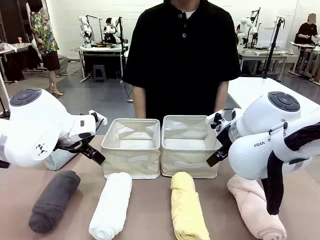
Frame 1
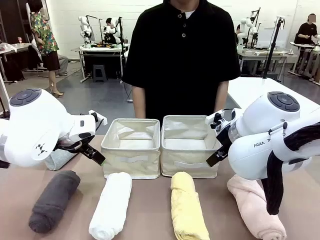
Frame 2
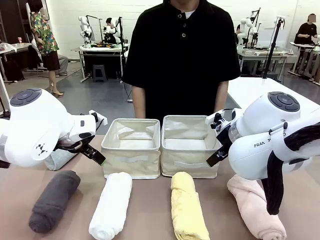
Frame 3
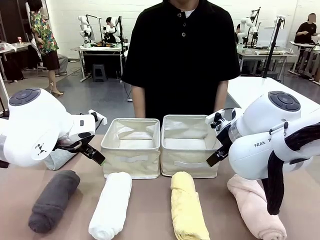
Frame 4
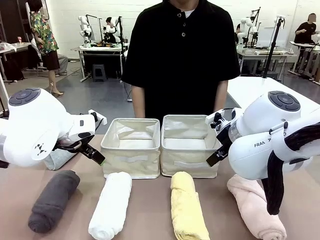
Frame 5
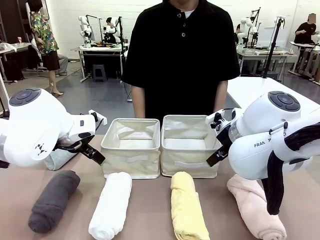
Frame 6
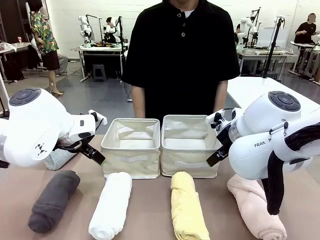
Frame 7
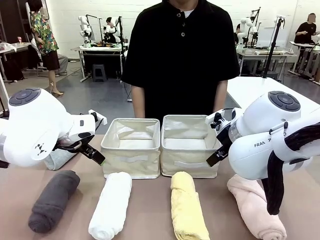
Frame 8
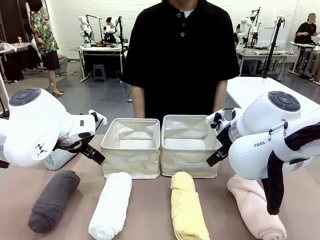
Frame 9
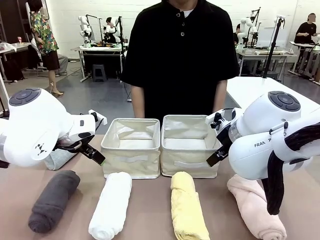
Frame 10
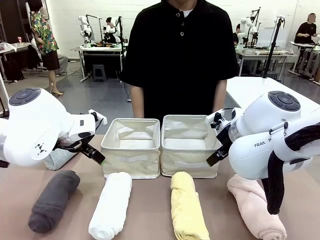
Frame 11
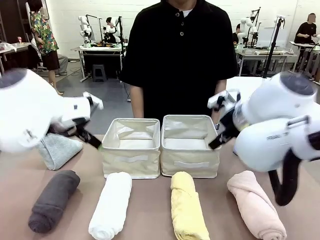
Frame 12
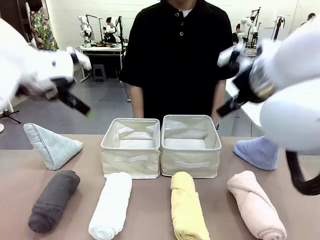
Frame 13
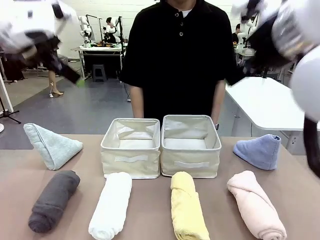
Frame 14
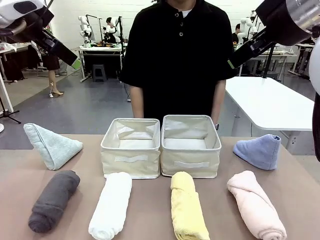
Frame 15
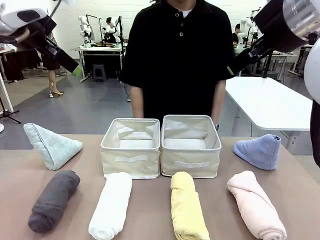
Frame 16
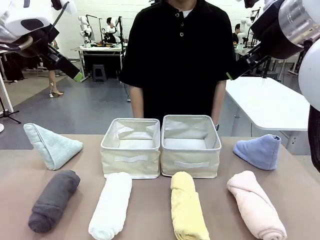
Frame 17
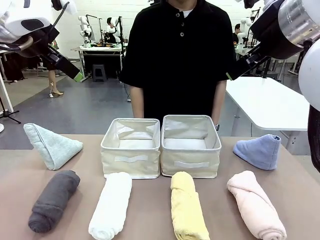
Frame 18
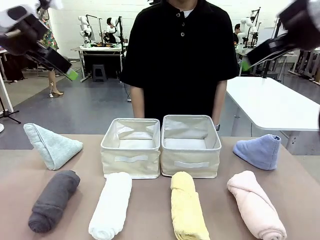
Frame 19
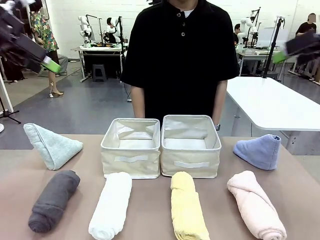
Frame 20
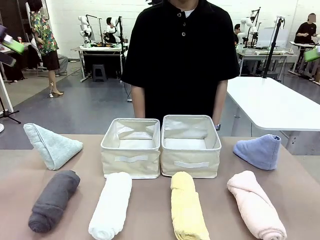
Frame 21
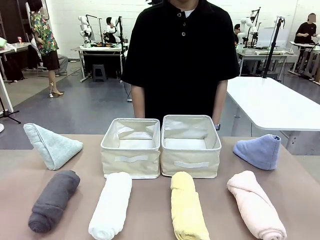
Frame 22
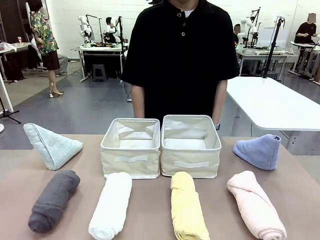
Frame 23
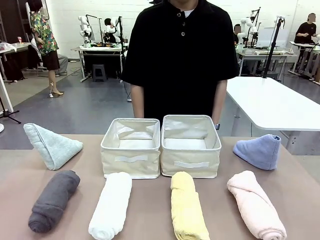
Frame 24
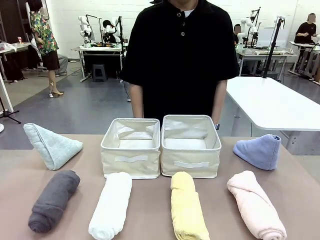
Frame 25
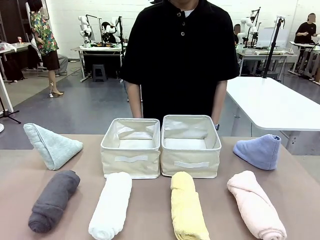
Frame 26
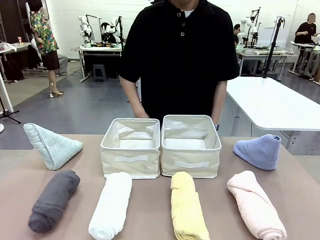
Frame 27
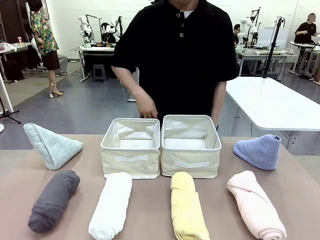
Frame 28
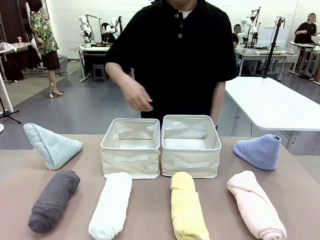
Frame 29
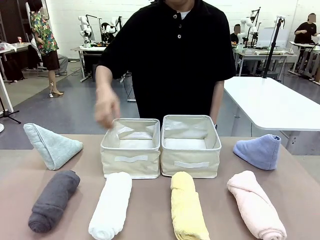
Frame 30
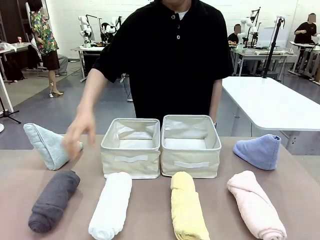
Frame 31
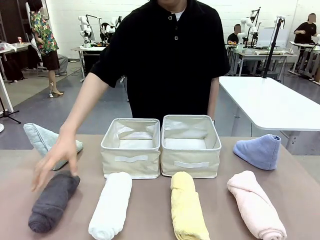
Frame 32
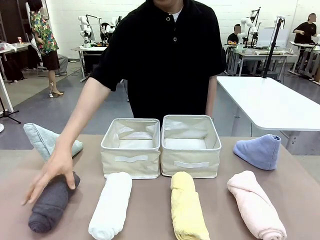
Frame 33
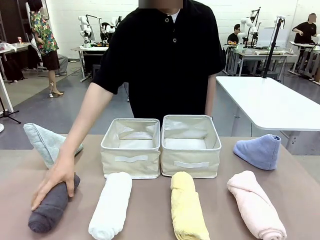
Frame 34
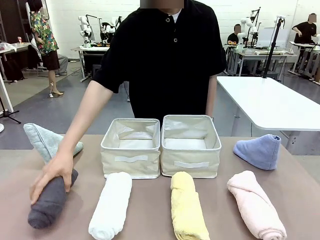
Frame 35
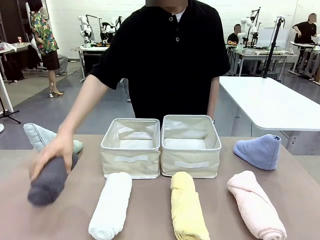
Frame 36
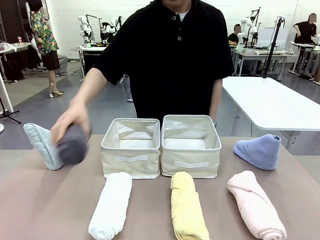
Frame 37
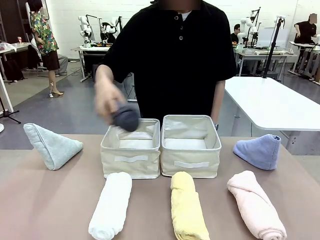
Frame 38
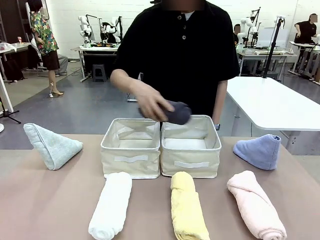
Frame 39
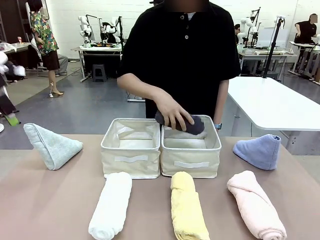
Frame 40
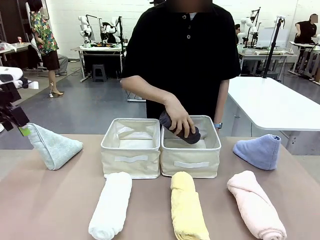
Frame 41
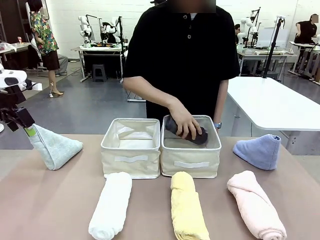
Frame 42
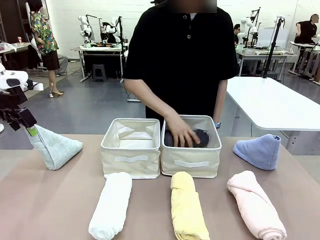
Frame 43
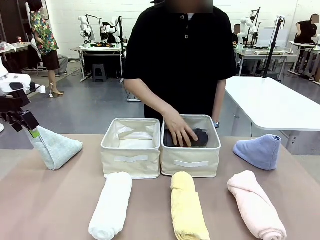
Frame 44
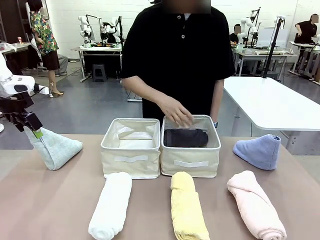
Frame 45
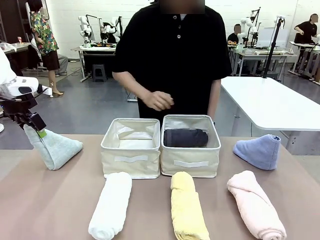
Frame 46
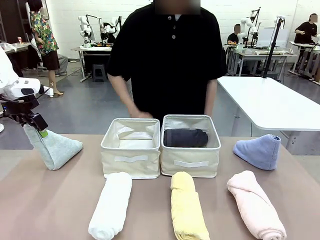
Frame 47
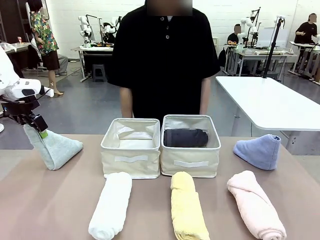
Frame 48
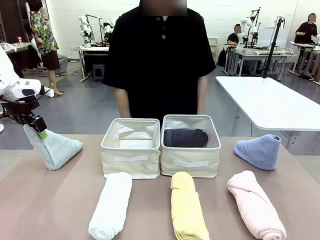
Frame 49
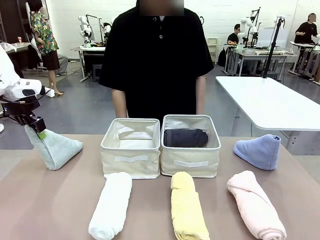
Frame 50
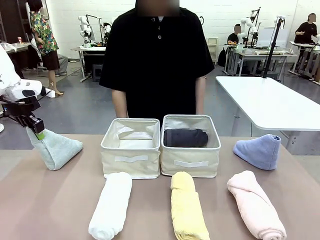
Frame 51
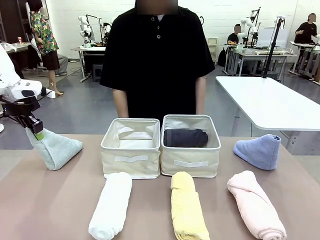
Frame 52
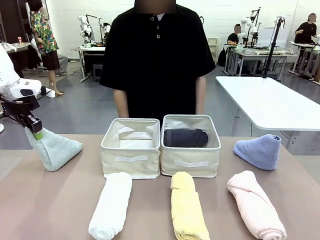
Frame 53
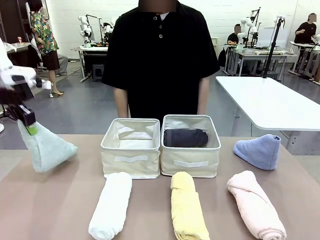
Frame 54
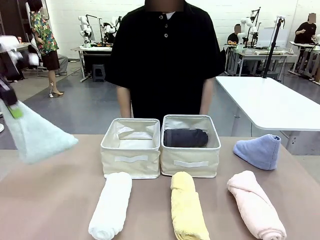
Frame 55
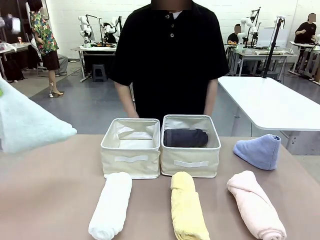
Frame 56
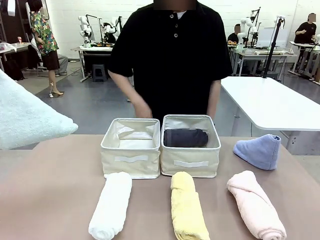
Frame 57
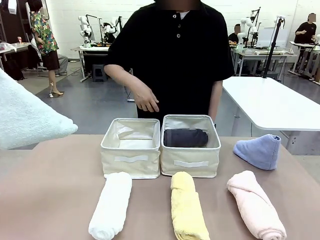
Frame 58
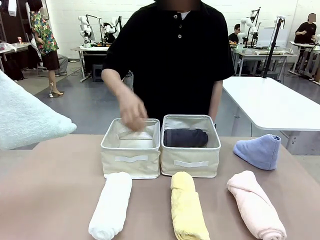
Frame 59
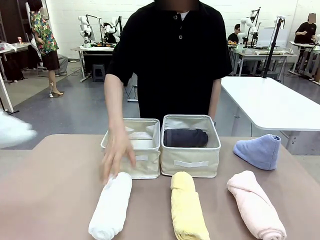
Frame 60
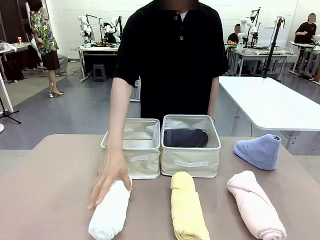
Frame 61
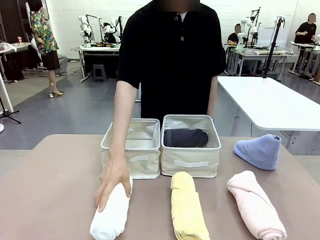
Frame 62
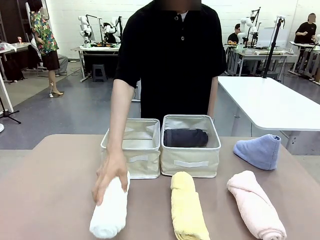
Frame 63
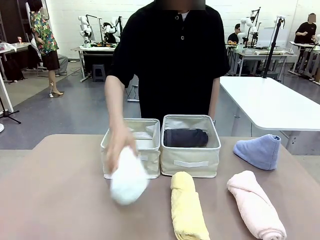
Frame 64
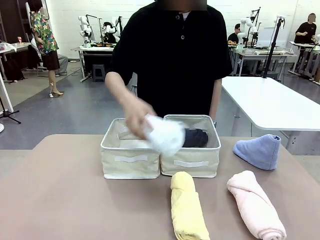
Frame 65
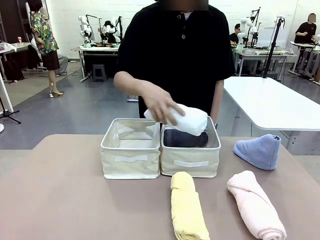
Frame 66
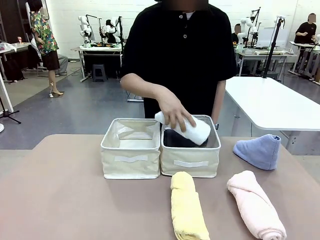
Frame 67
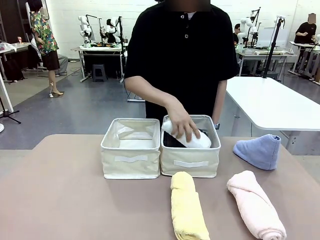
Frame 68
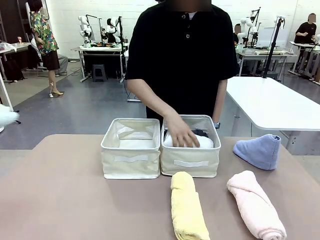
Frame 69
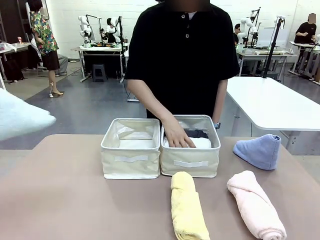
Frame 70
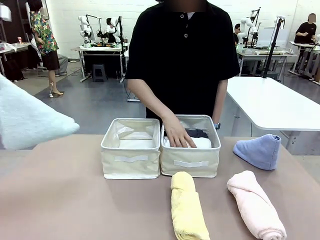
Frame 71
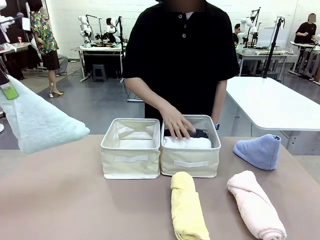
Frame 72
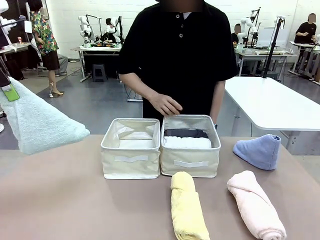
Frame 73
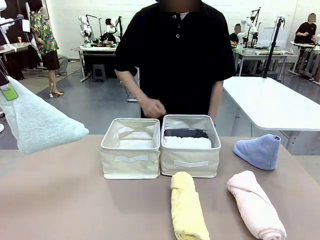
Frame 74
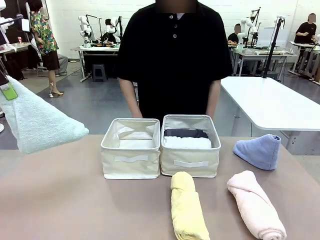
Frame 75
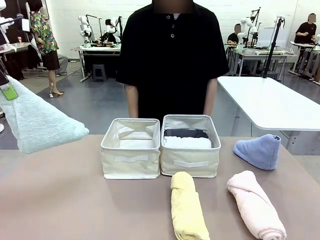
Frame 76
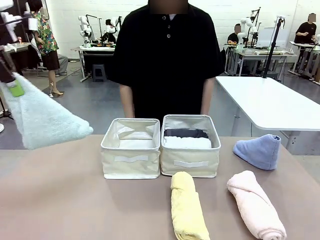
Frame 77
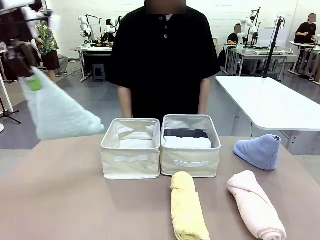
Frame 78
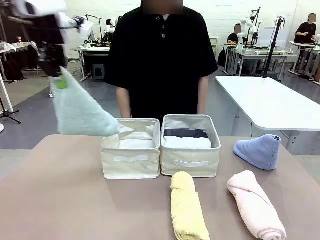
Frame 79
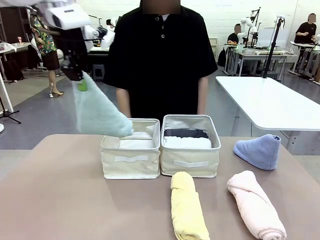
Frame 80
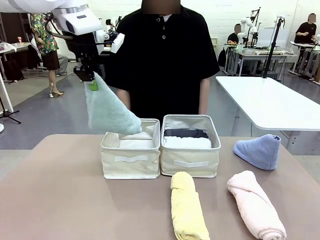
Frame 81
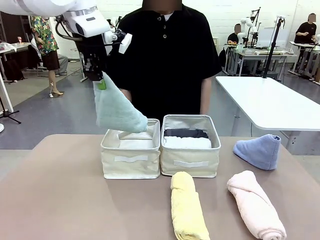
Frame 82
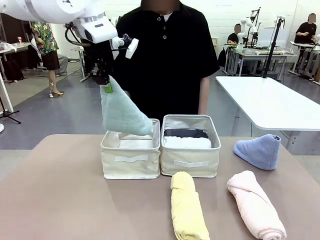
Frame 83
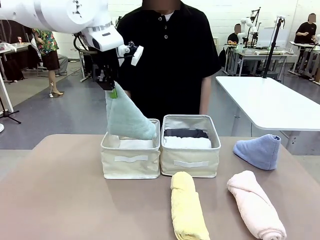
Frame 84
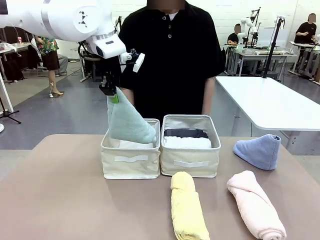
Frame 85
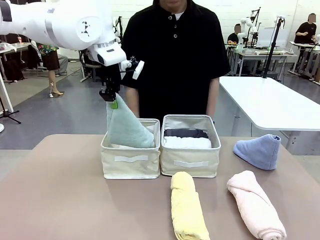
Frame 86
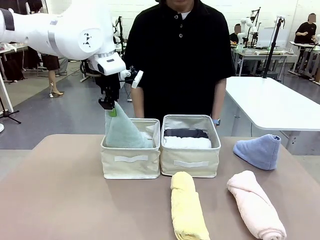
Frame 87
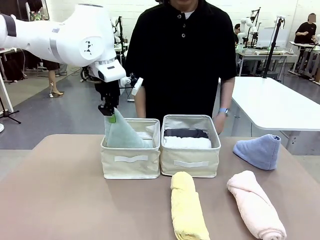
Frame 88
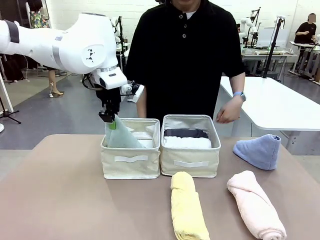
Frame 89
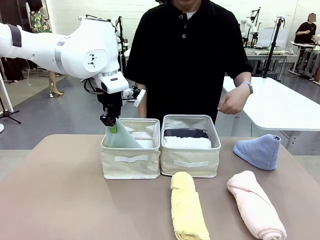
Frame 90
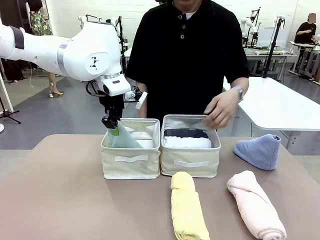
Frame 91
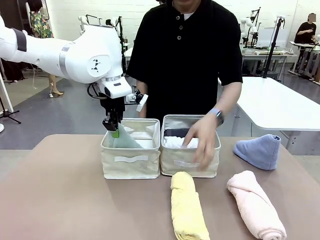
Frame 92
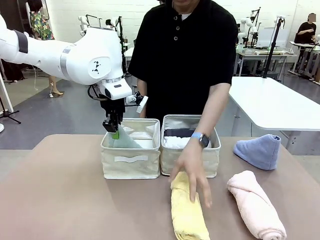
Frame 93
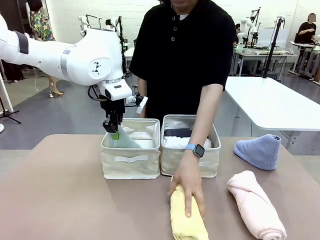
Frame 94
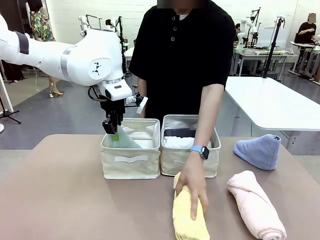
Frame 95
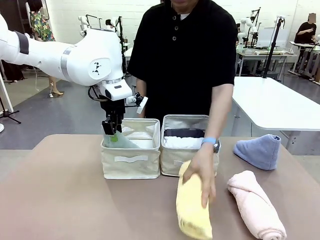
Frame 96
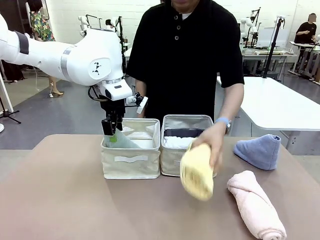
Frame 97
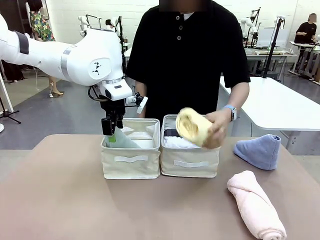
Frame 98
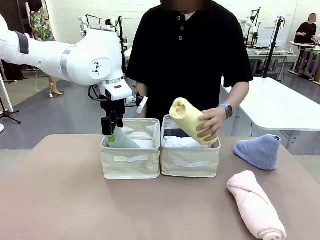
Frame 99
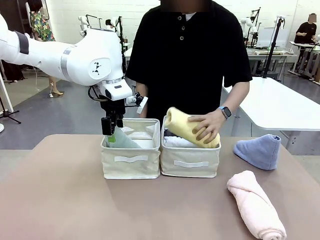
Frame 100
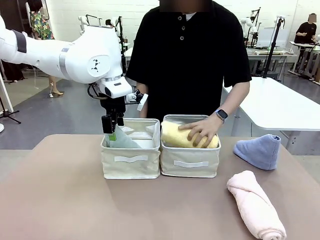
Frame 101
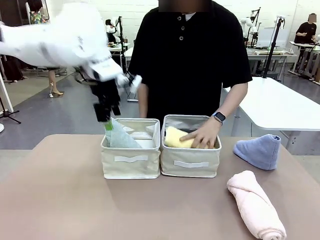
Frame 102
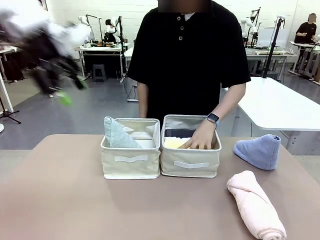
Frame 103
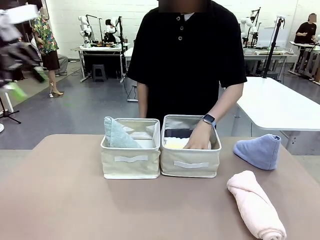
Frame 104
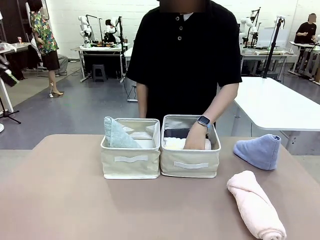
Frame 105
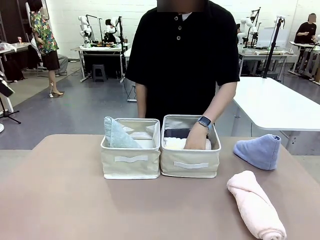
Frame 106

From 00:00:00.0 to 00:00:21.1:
Task: Sort the towels based on their folding style.
Robot: Pick up one triangle-folded towel and place it in the left Fabric basket.
Person: Pick up one hotel-style rolled towel and place it in the left fabric basket.
